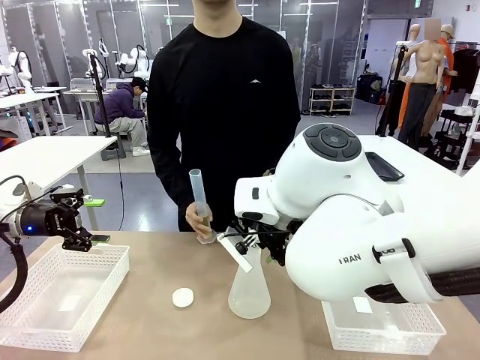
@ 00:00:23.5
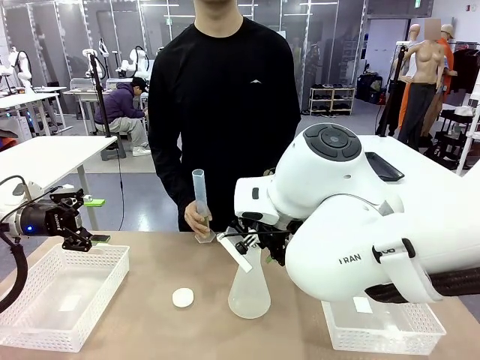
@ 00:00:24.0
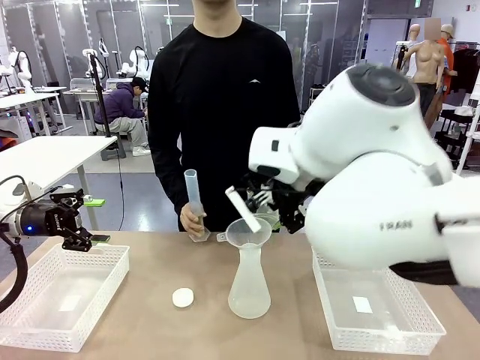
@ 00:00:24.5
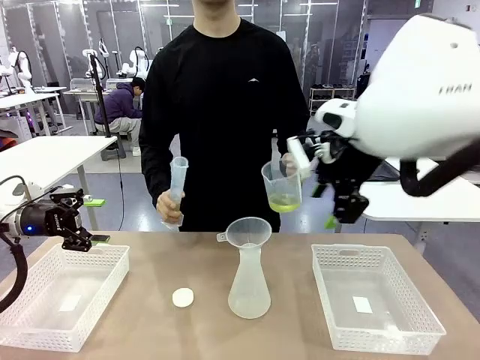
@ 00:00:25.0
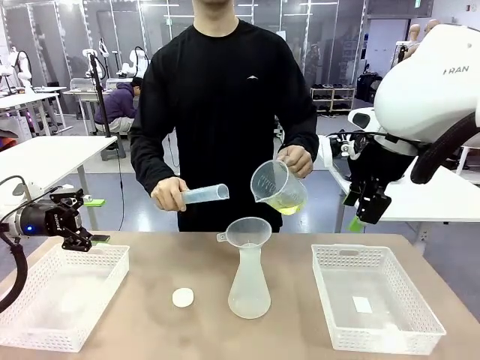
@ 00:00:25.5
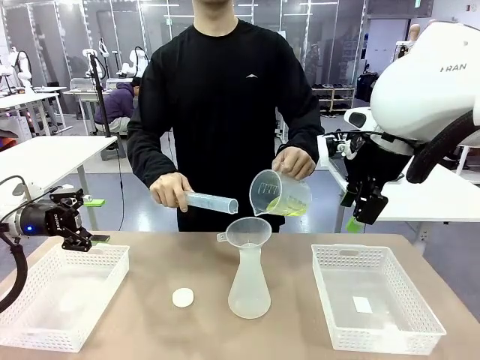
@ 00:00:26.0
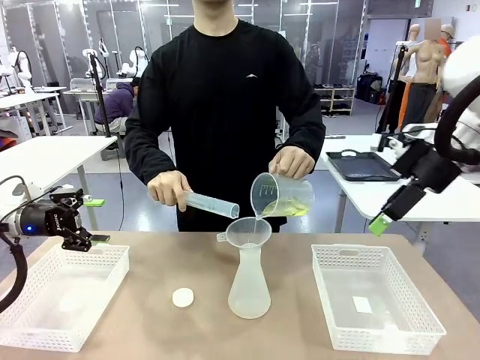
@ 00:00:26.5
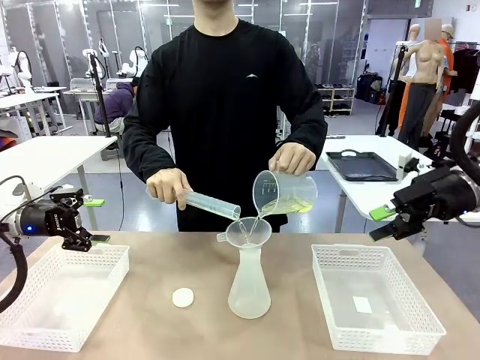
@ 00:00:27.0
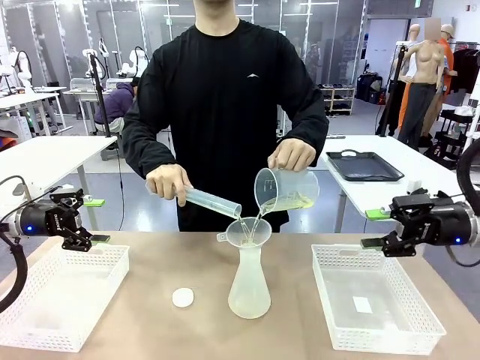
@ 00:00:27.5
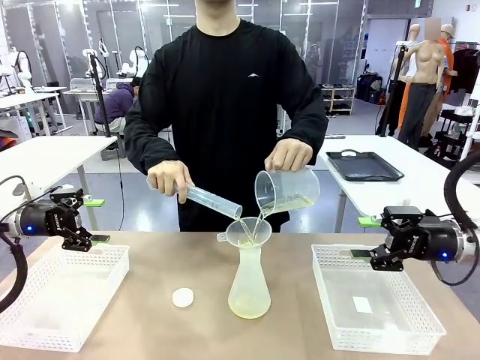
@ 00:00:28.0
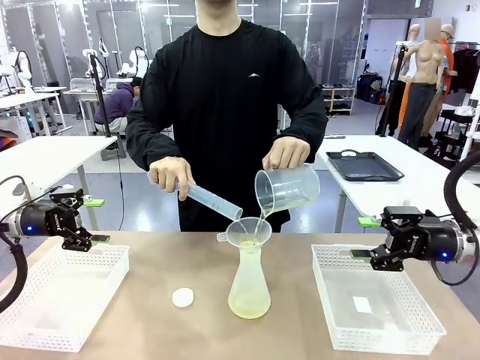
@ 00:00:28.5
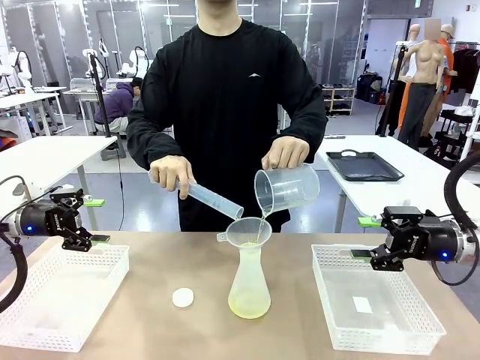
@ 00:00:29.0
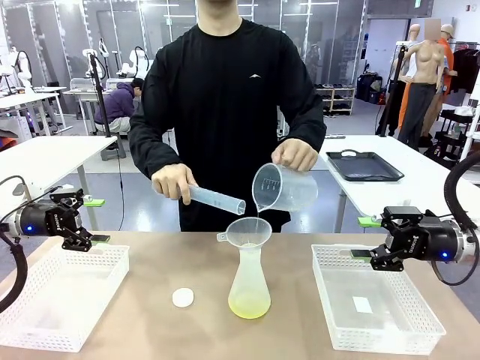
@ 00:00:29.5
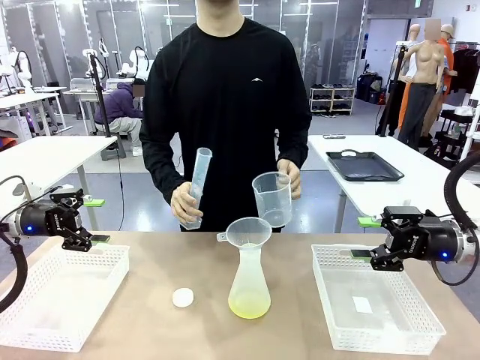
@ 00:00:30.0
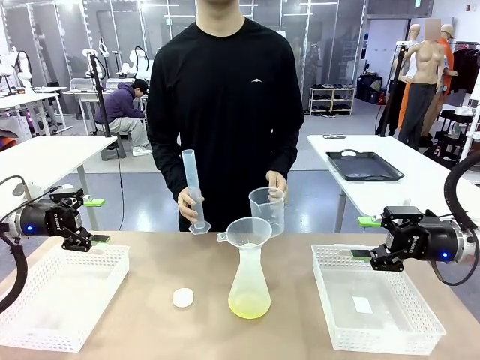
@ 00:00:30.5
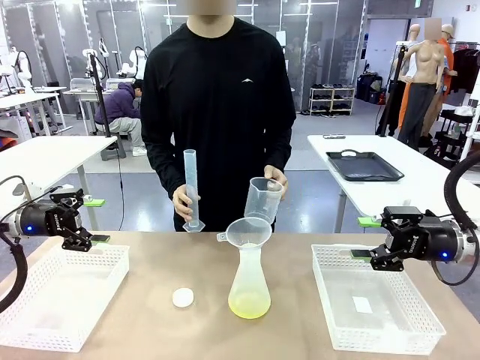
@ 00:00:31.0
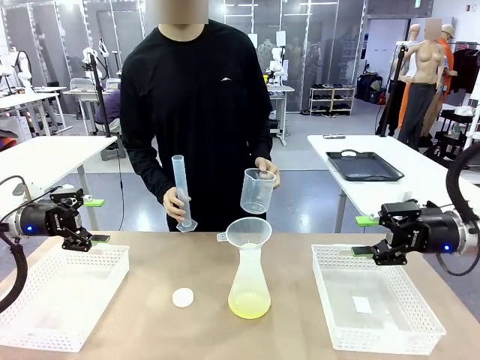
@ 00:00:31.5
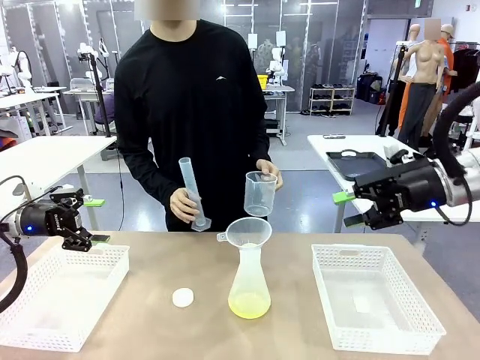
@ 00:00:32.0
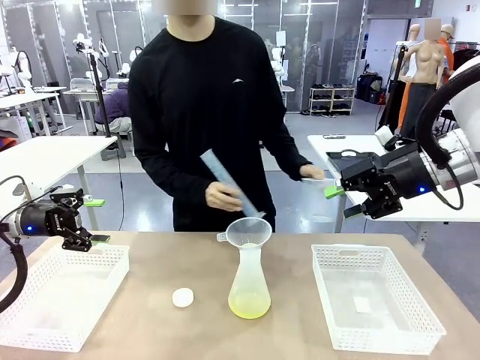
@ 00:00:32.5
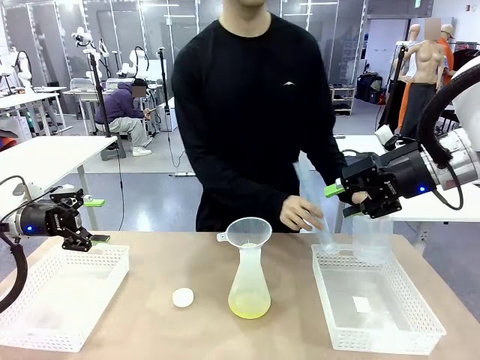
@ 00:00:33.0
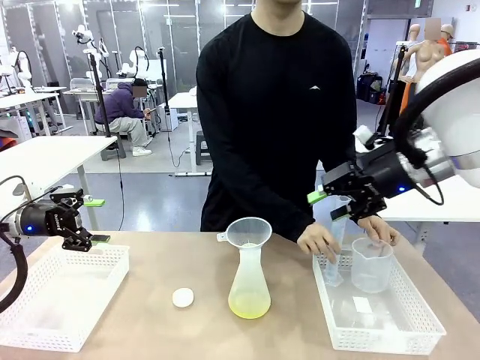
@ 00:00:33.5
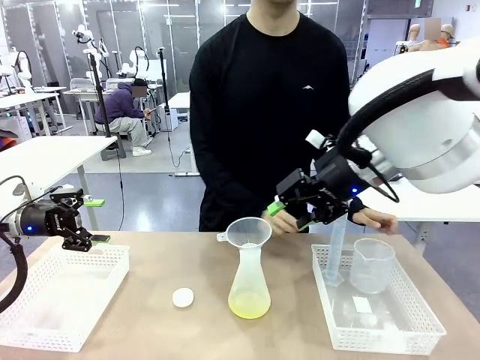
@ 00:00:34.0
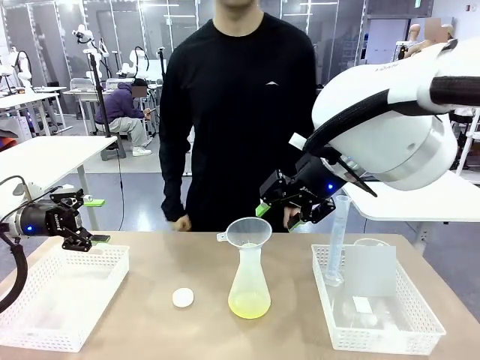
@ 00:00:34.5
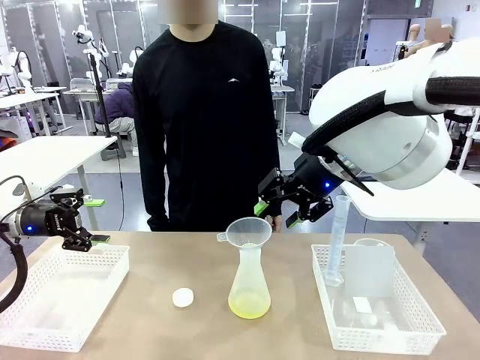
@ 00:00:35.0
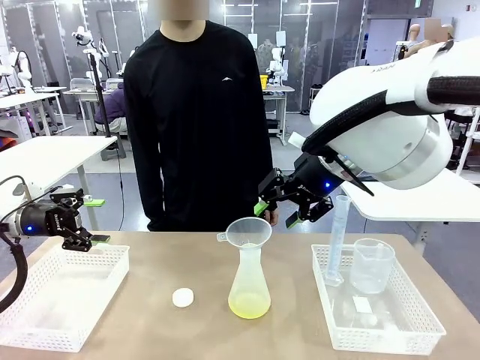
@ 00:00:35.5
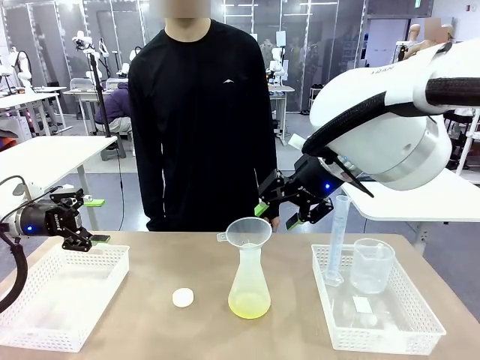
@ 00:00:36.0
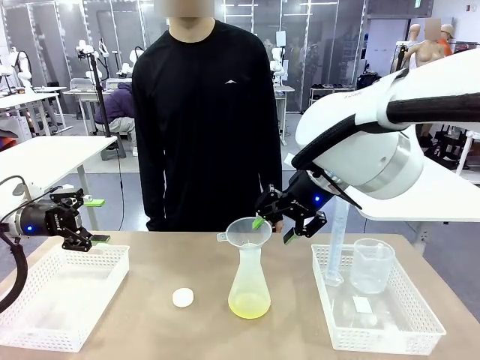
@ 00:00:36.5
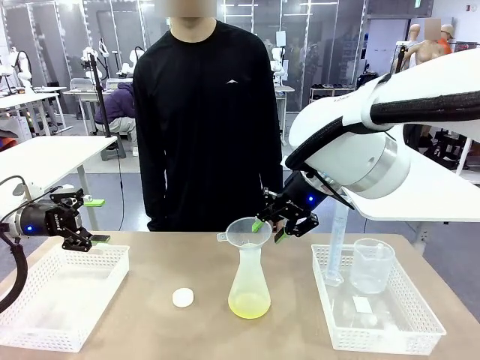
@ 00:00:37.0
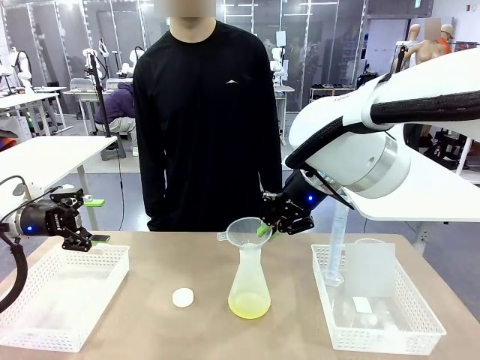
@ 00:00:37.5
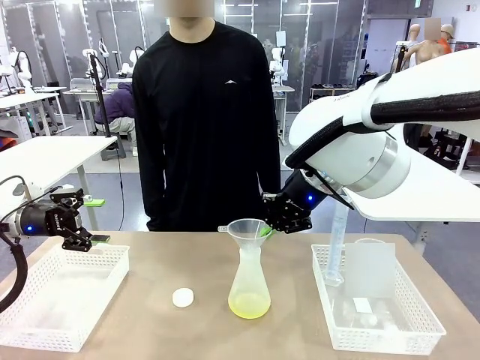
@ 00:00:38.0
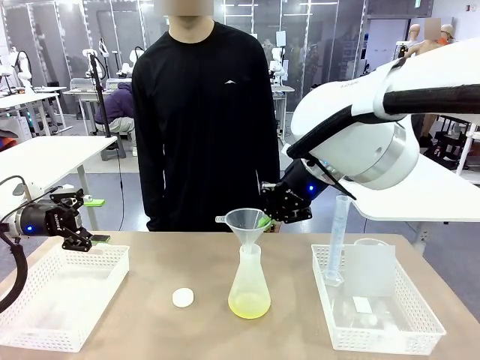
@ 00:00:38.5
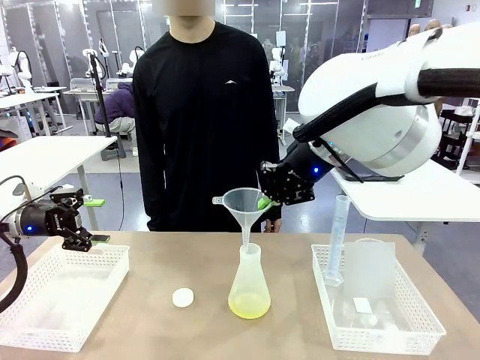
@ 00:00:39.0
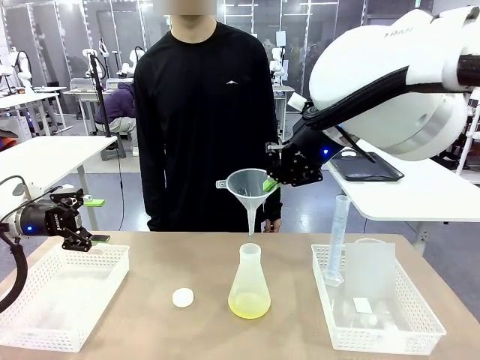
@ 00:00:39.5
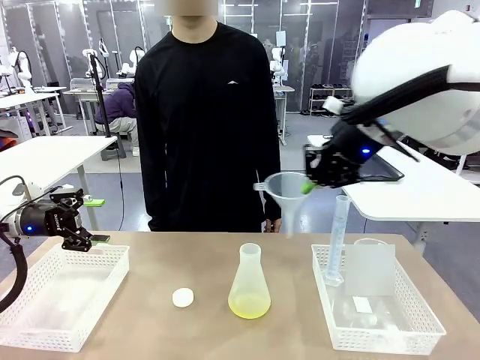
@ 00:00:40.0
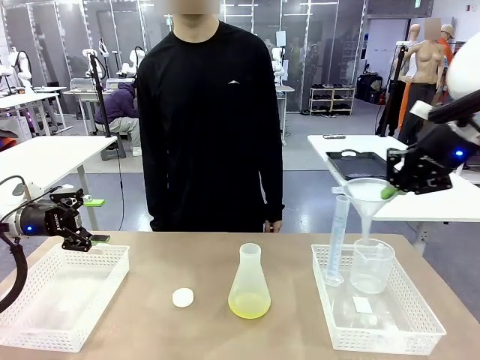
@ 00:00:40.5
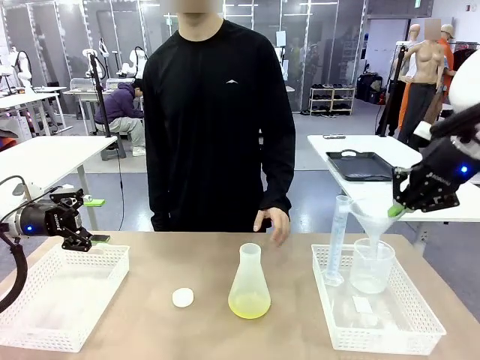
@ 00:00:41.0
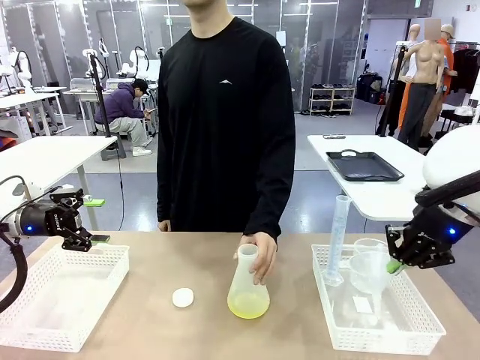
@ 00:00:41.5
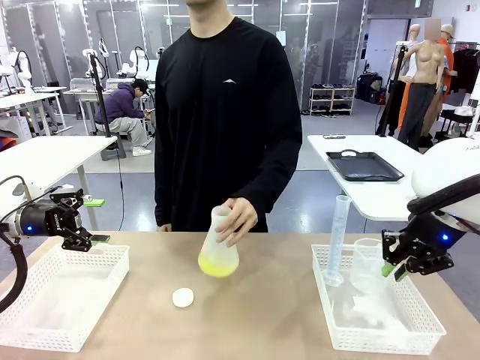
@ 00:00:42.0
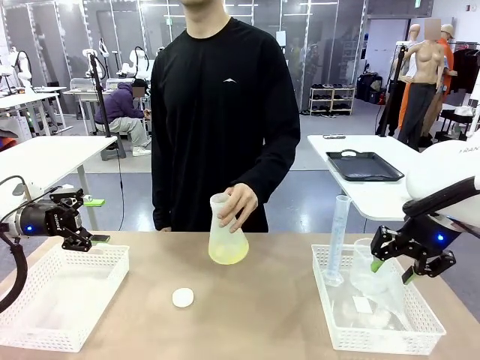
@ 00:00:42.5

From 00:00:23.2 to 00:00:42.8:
Task: Prepare the solutions needed for the experiment.
Robot: Once the solution is in the Big flask , pick up the Plastic Funnel and place it back into the right Organizing basket.
Person: Place the beaker and the cylinder into the organizing basket on the left side. Pick up the flask, gently shake it 2–3 times, place it in the middle of the robot table, and close the lid.
